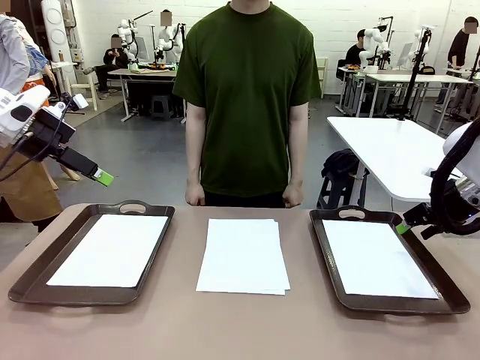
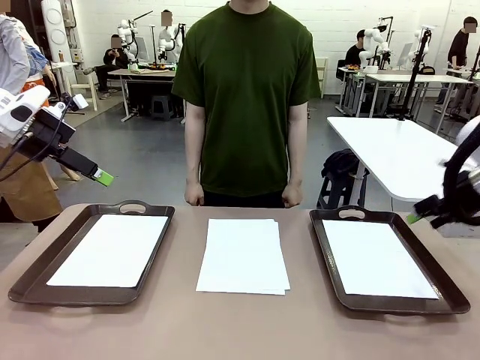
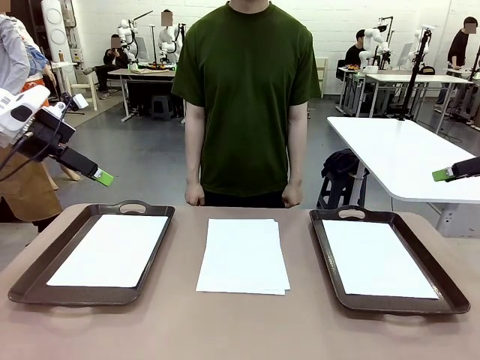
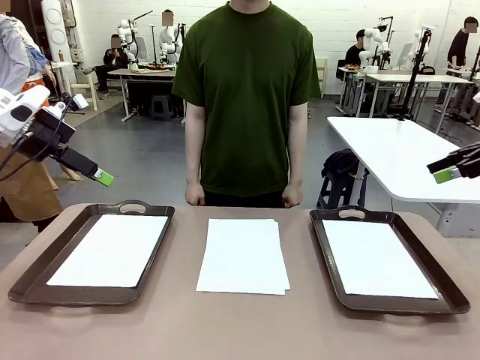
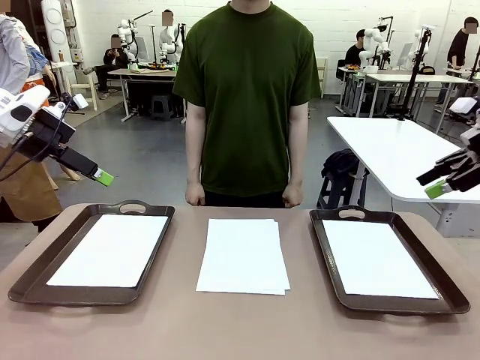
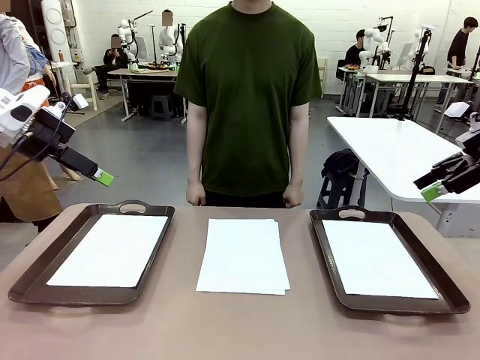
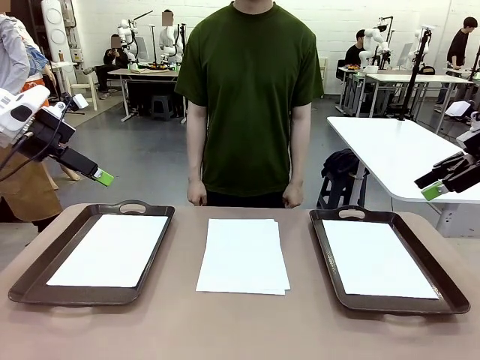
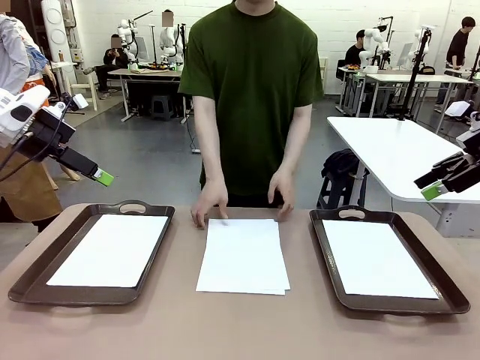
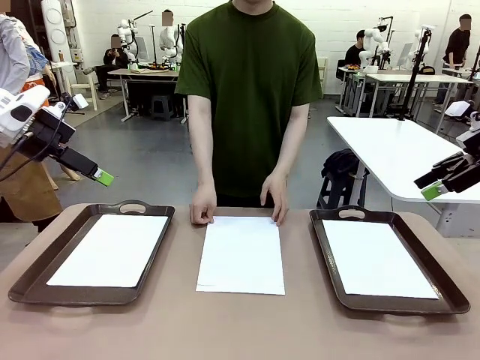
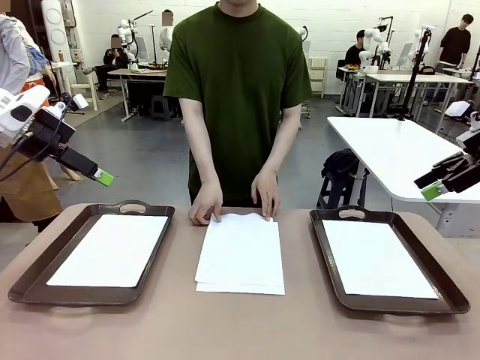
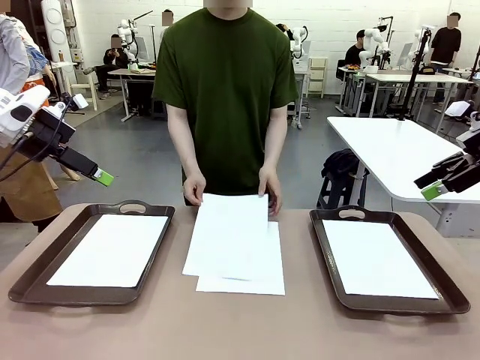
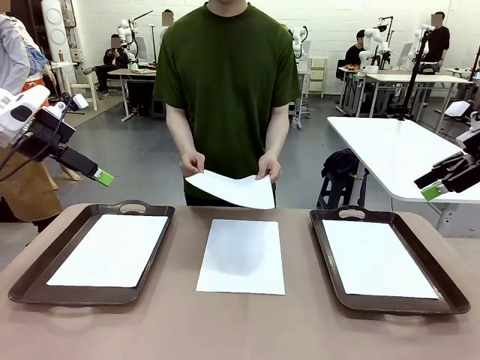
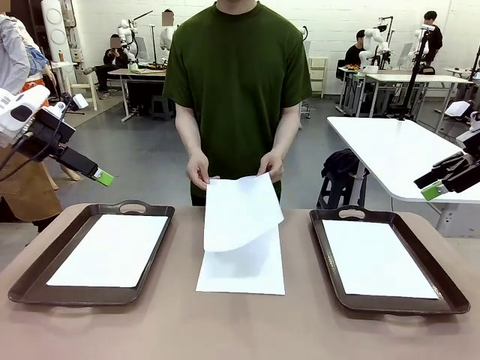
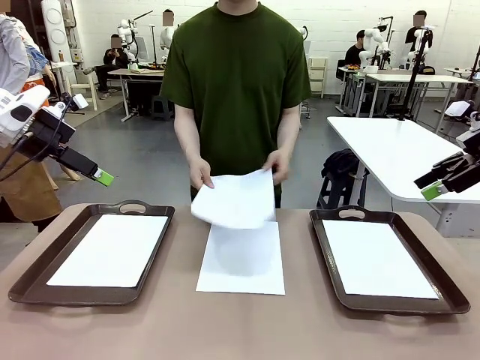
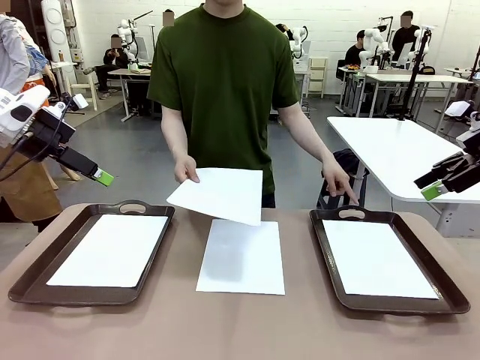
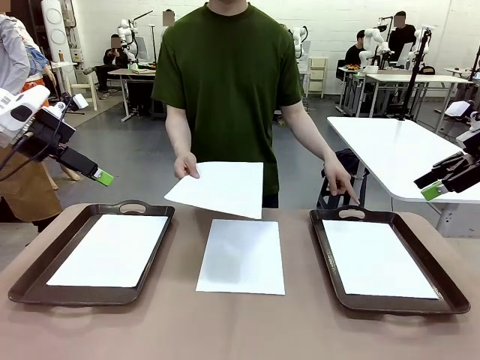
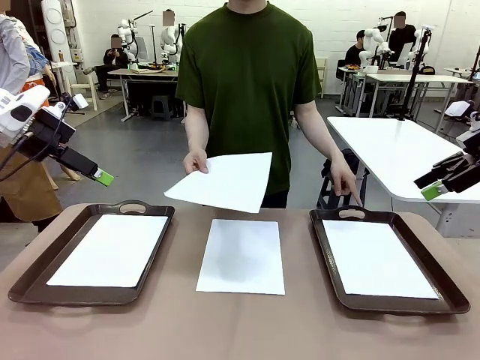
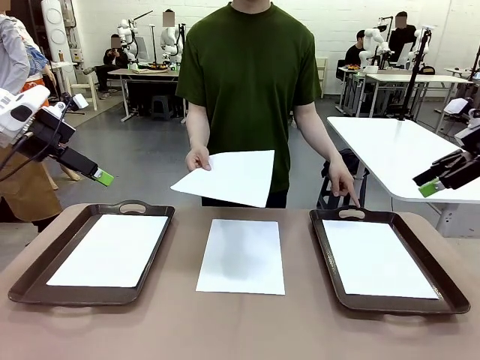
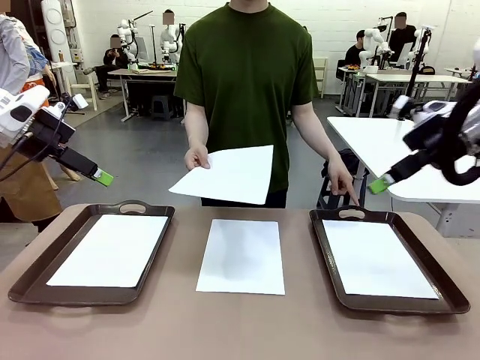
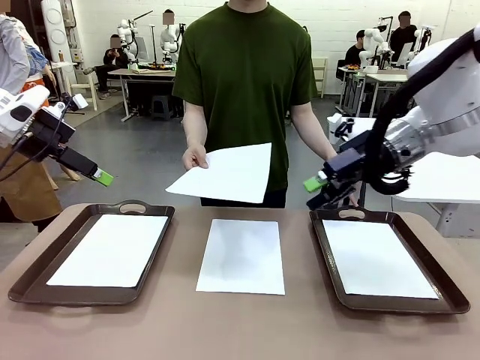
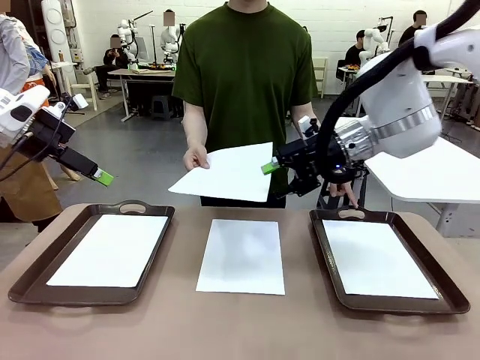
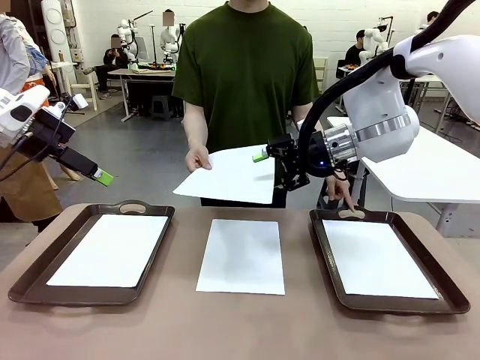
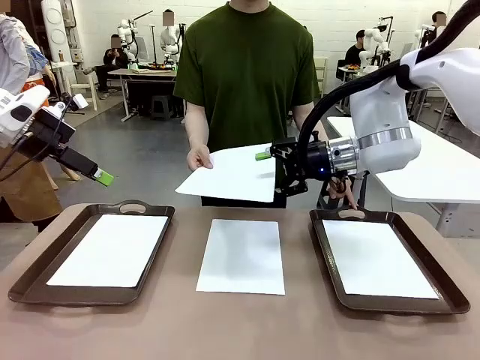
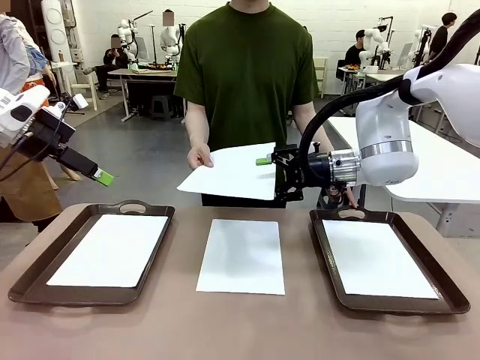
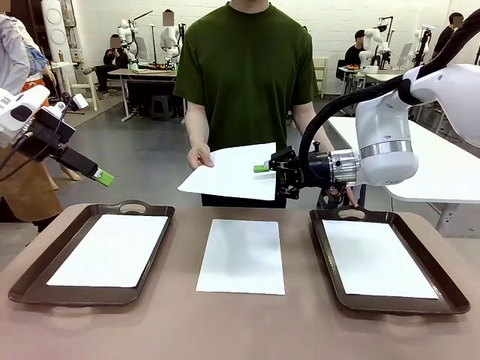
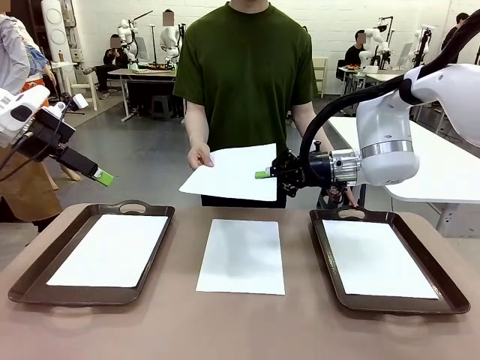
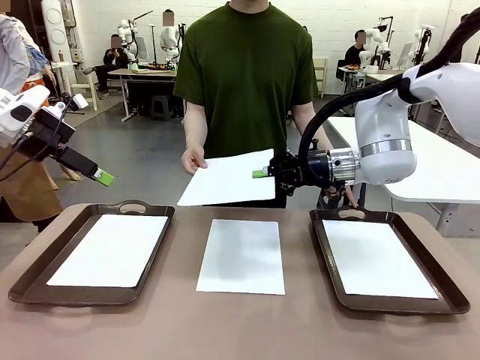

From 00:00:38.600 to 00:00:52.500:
Task: Sort the A4 documents.
Robot: Receive the A4 Paper.
Person: Point the randomly selected tray with the other hand.

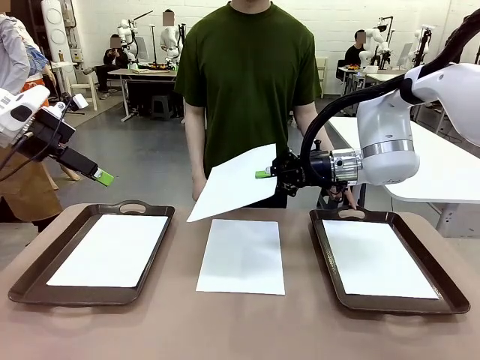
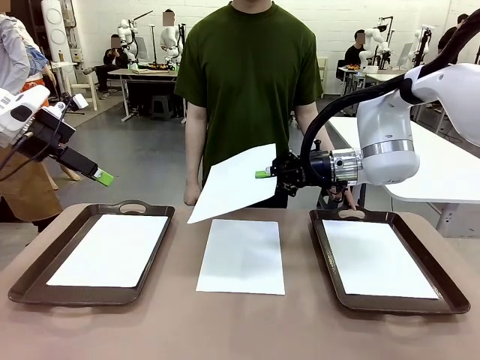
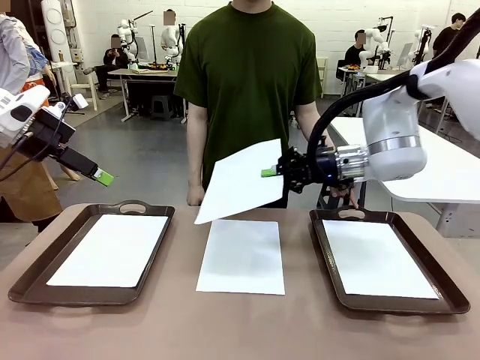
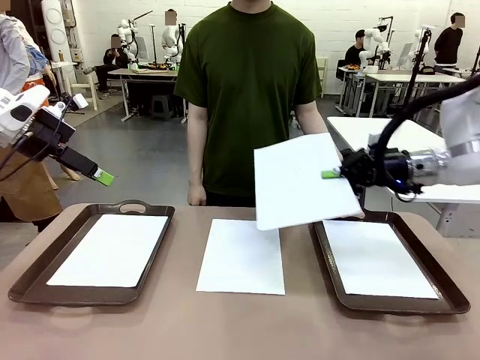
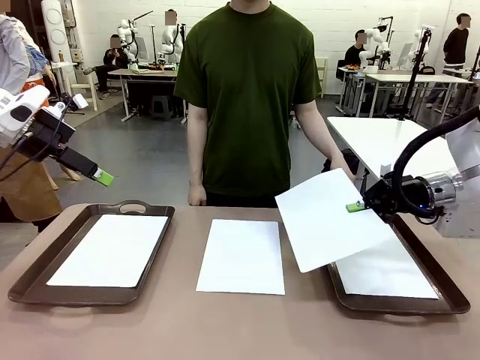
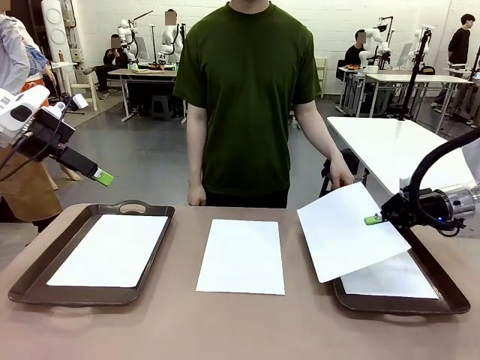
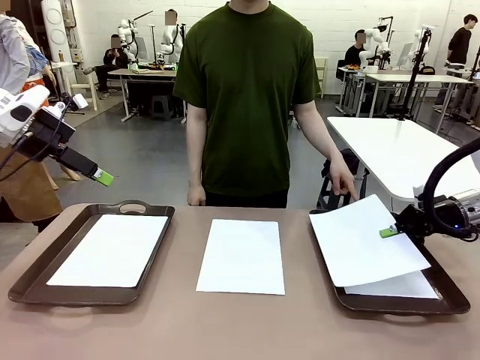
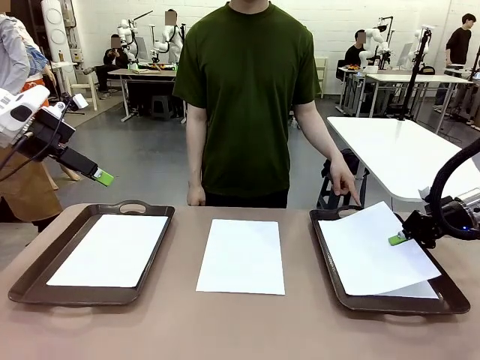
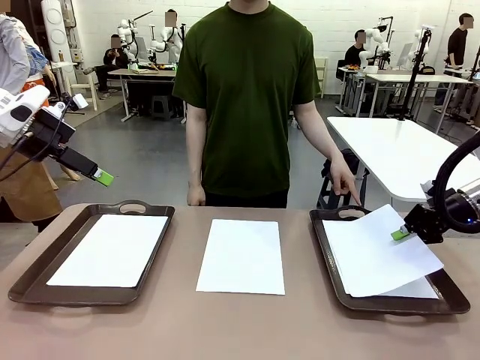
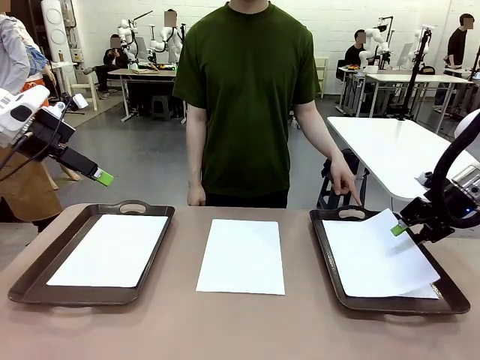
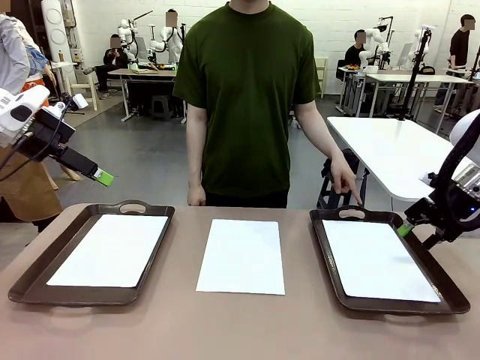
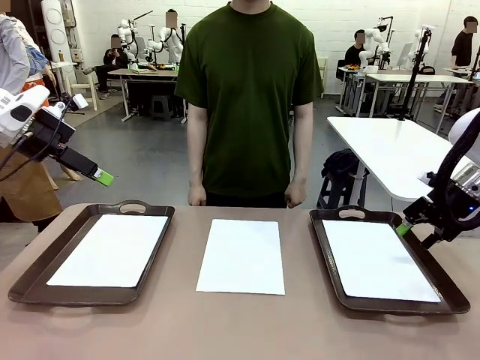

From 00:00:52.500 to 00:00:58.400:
Robot: Place the A4 Paper in the designated Handle tray.

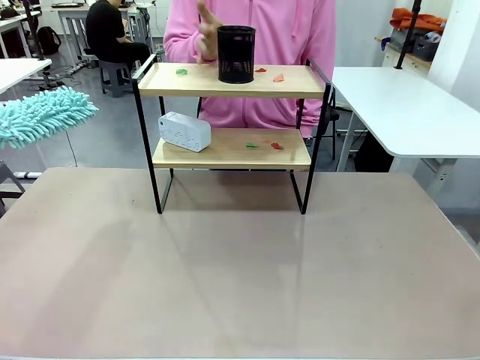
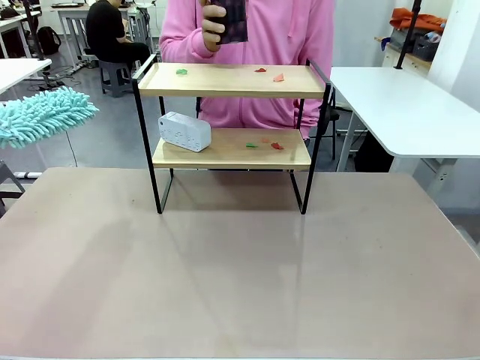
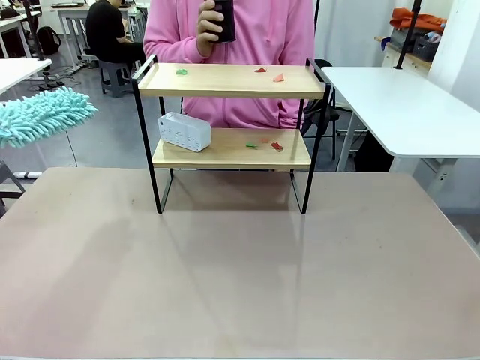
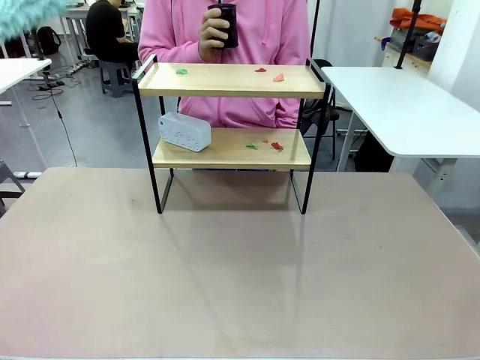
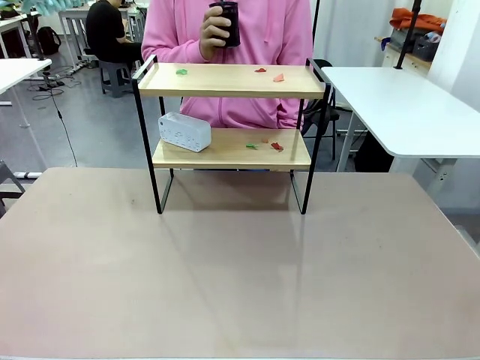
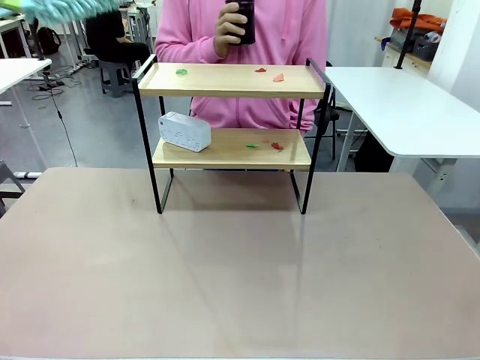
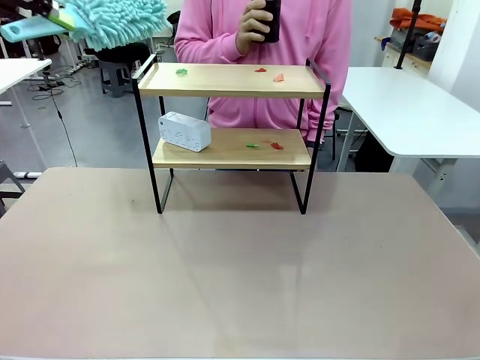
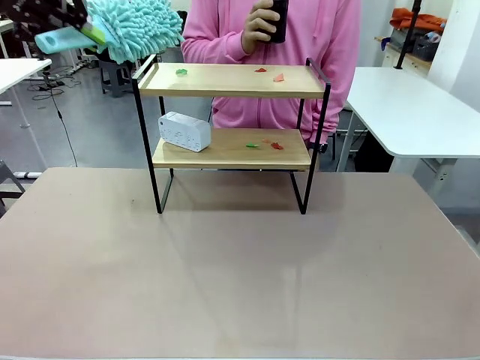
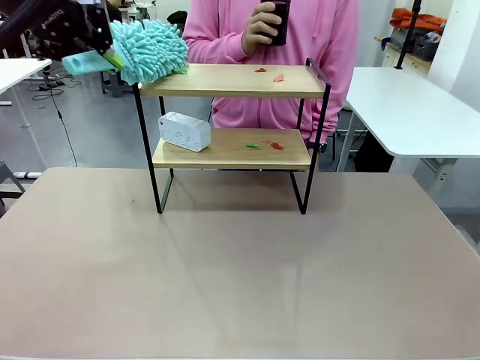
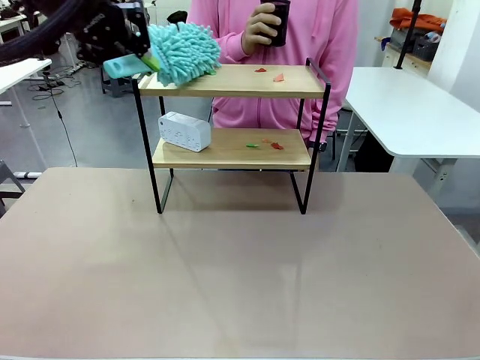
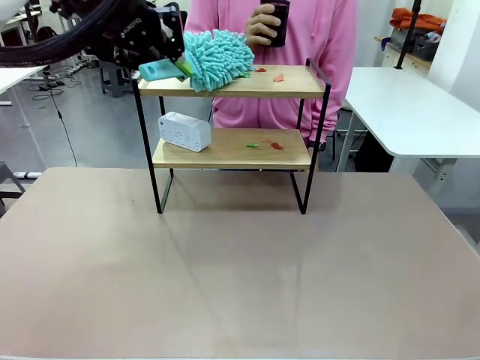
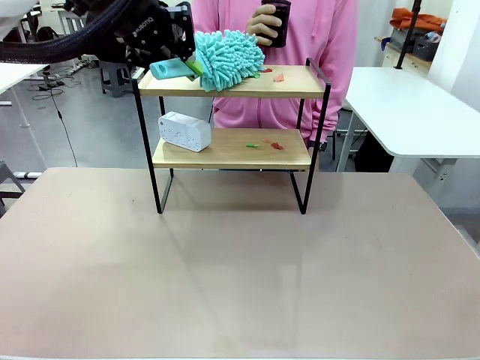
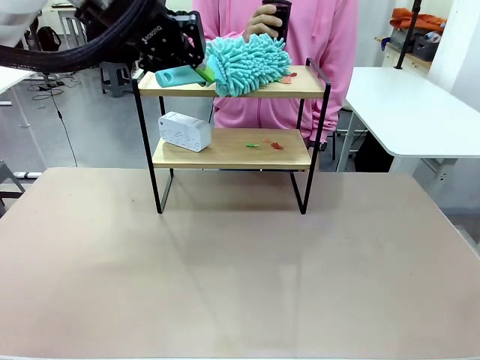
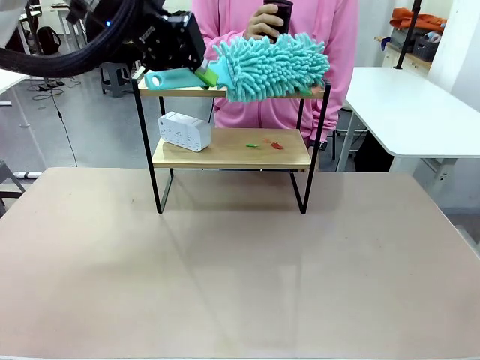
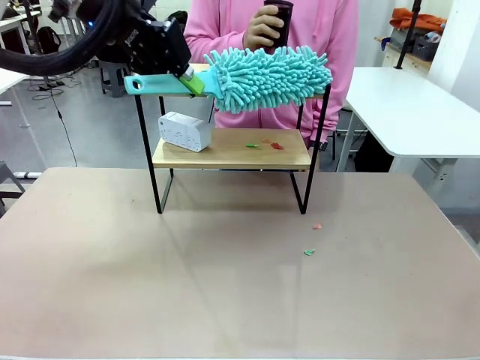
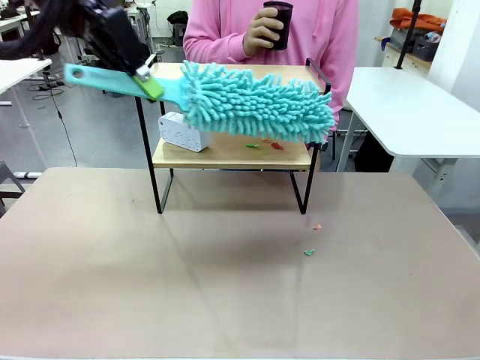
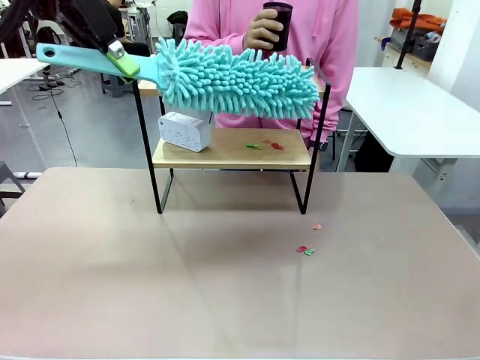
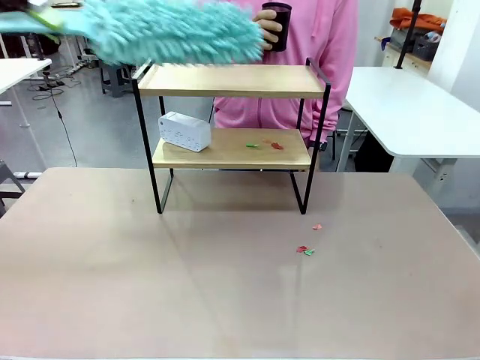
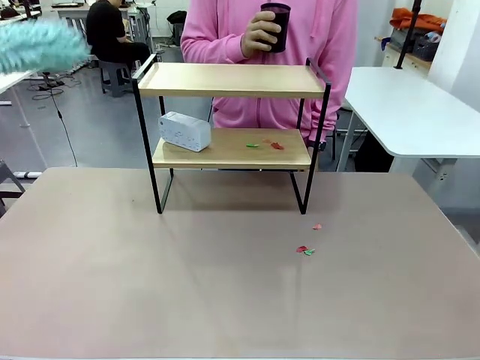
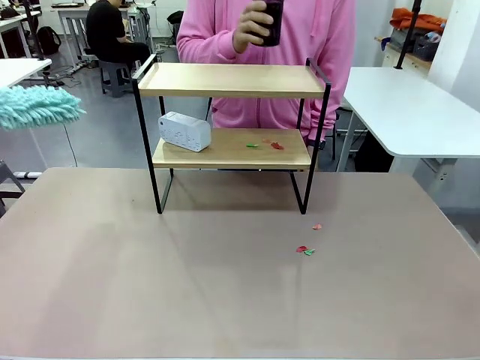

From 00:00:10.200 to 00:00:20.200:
Task: Clean the shelf.
Robot: Clean the specific tier of the Shelf with the Duster once objects are removed.
Person: Lift the objects on a randomly selected tier of the Shelf. Once the robot finishes cleaning, lift the objects on the remaining tiers of the Shelf.
